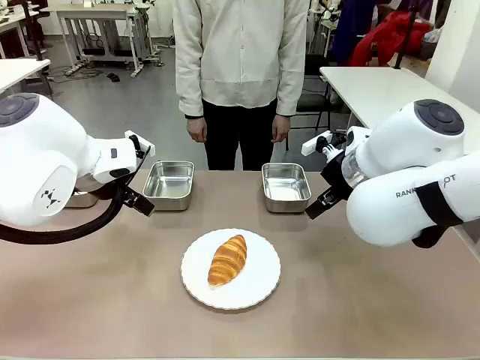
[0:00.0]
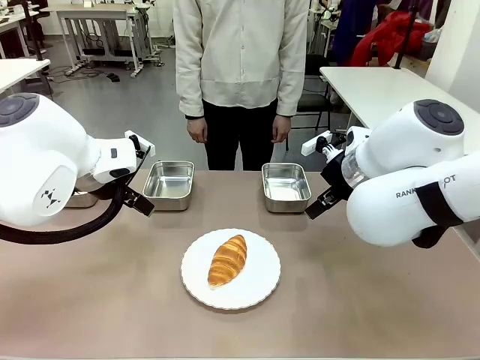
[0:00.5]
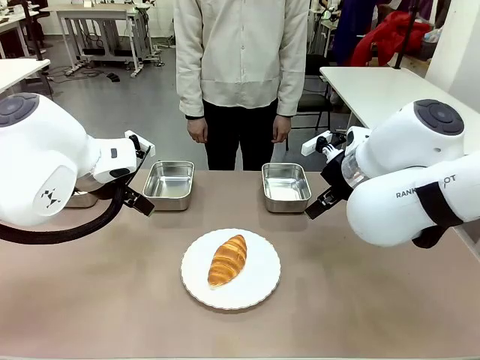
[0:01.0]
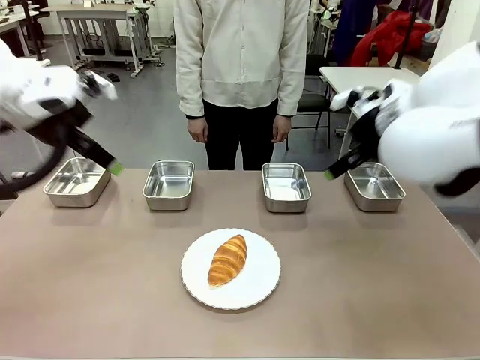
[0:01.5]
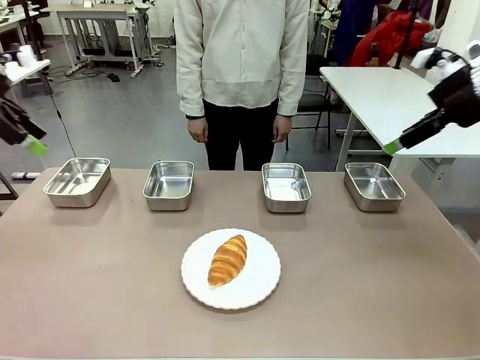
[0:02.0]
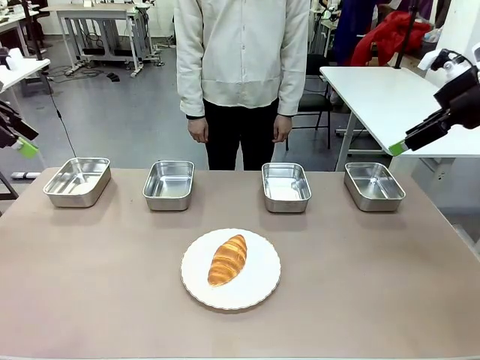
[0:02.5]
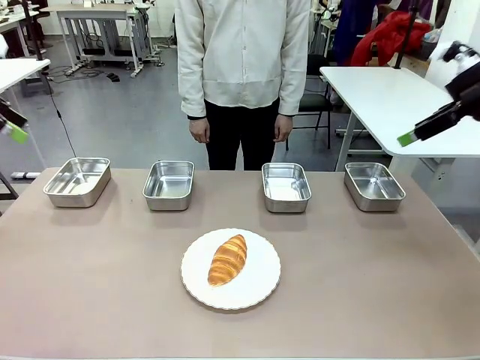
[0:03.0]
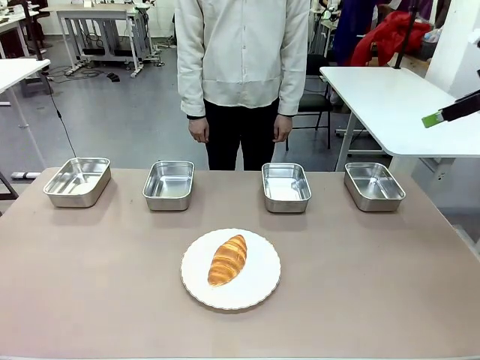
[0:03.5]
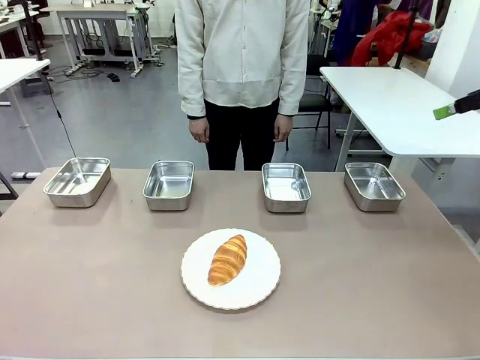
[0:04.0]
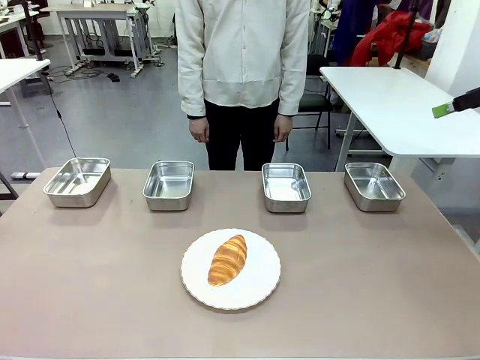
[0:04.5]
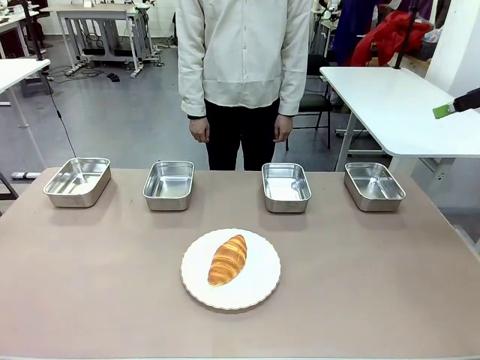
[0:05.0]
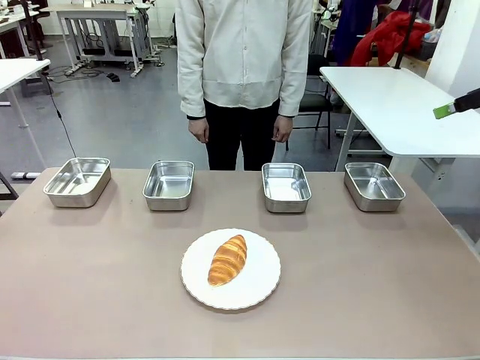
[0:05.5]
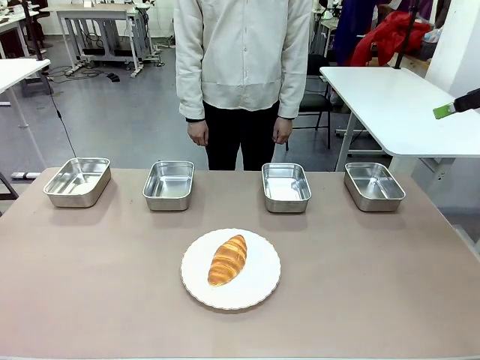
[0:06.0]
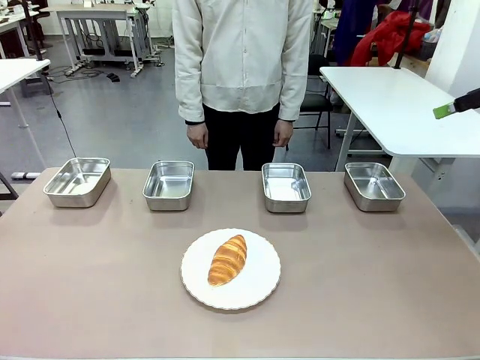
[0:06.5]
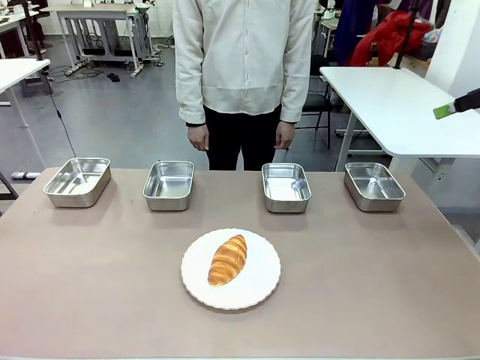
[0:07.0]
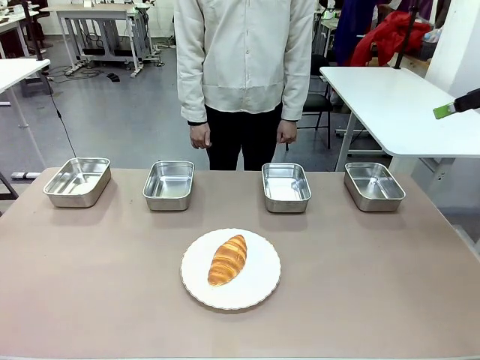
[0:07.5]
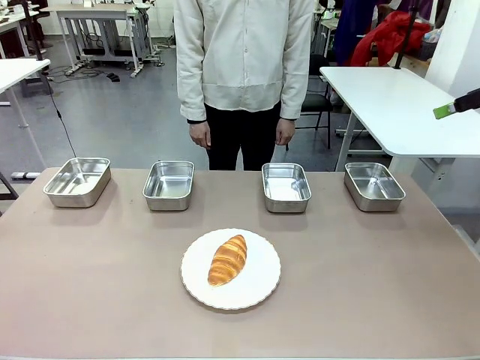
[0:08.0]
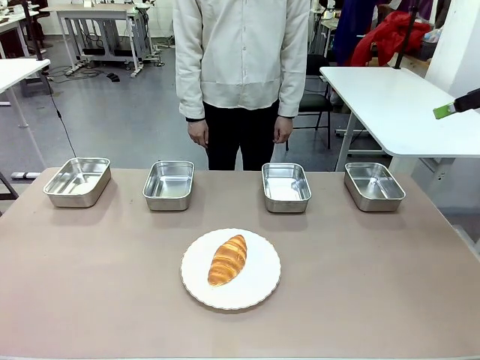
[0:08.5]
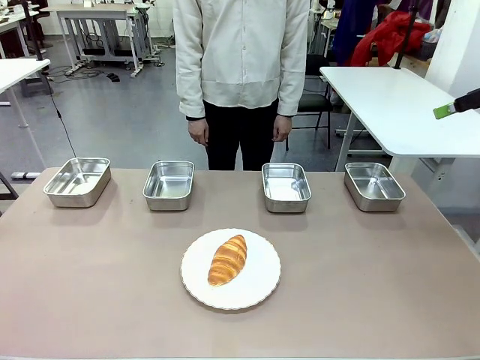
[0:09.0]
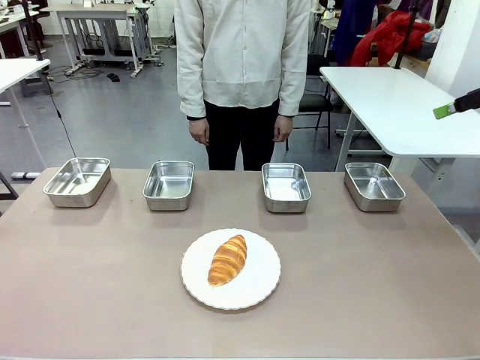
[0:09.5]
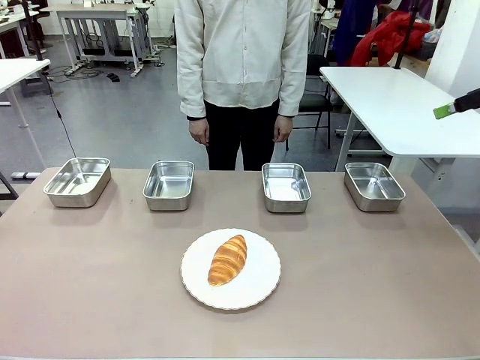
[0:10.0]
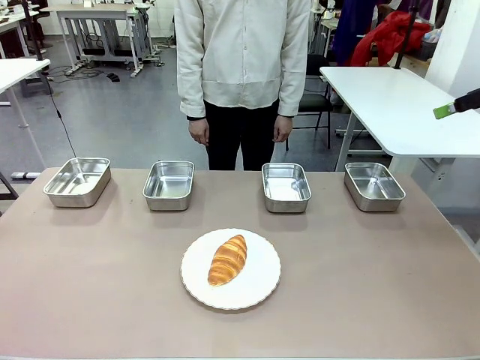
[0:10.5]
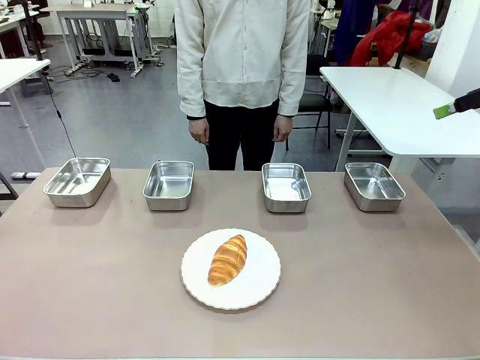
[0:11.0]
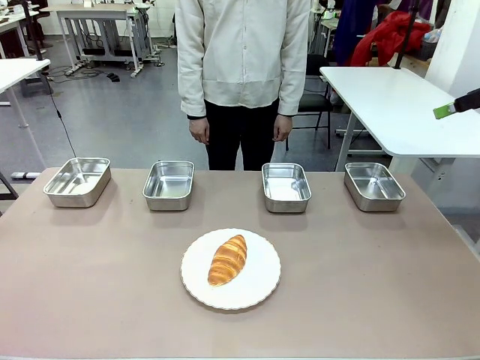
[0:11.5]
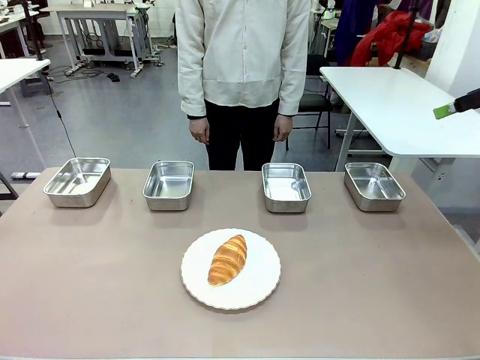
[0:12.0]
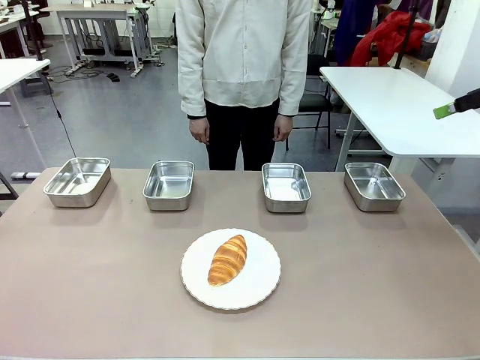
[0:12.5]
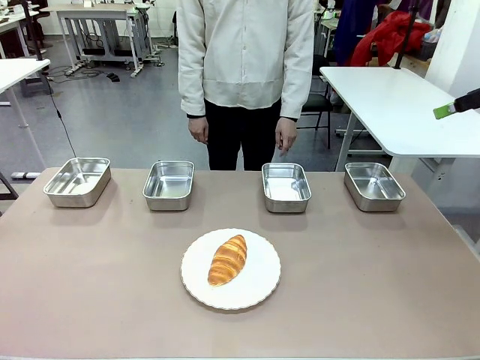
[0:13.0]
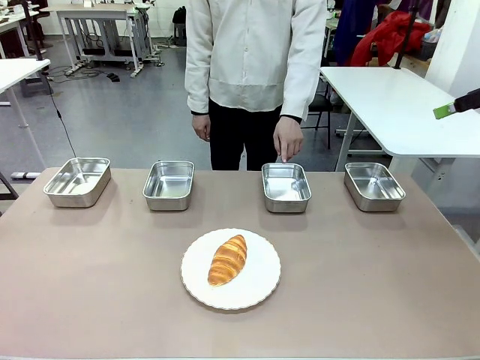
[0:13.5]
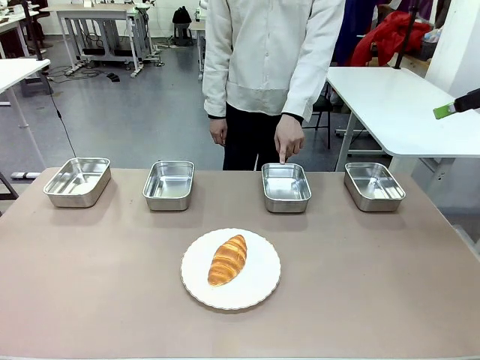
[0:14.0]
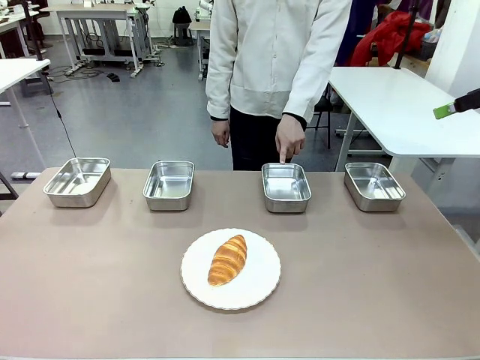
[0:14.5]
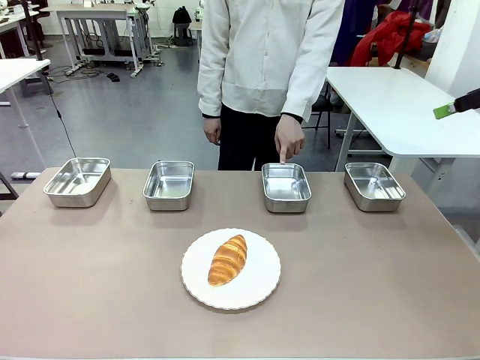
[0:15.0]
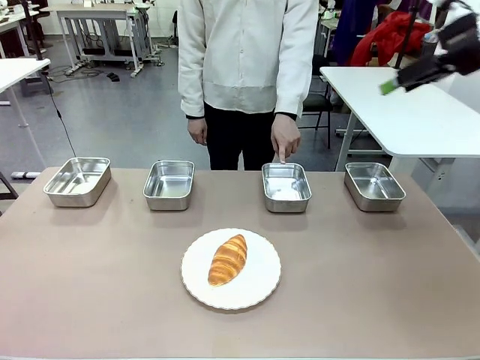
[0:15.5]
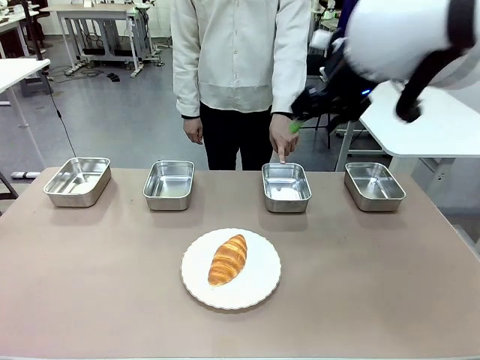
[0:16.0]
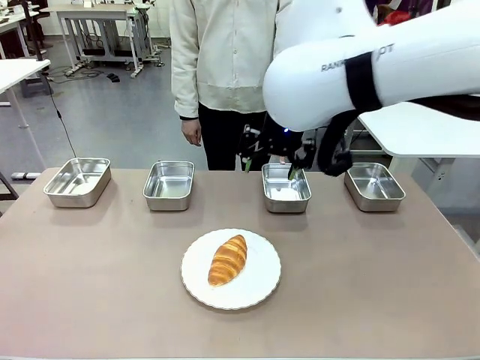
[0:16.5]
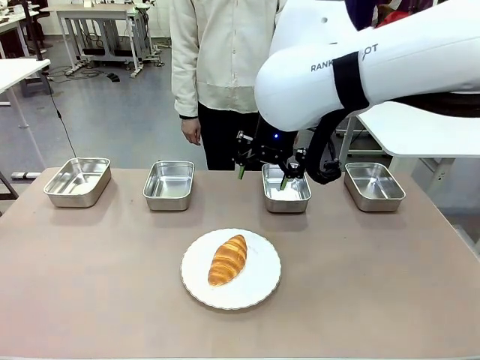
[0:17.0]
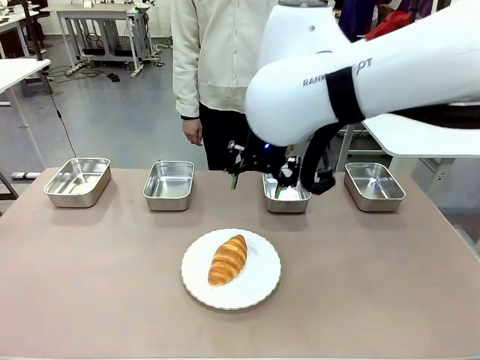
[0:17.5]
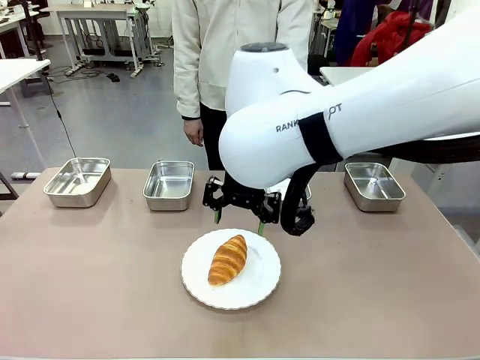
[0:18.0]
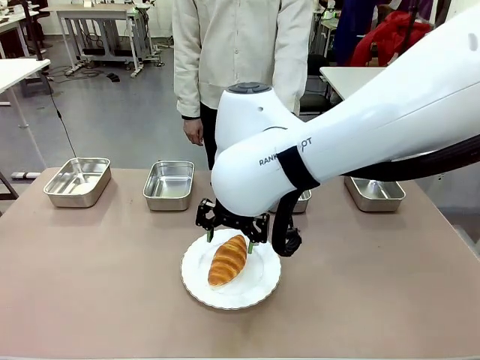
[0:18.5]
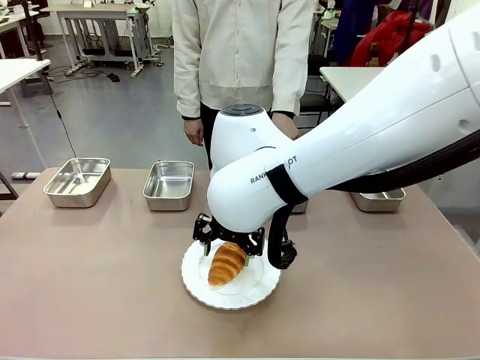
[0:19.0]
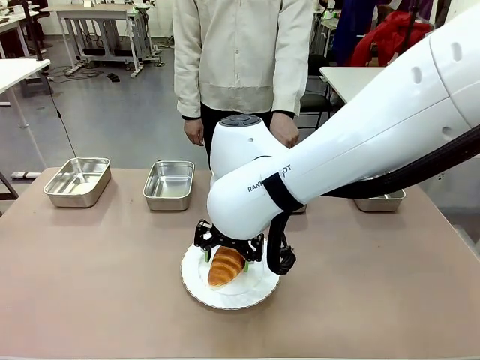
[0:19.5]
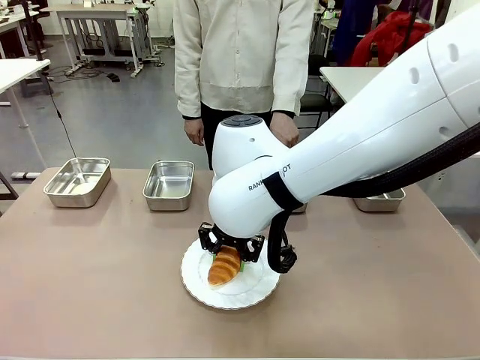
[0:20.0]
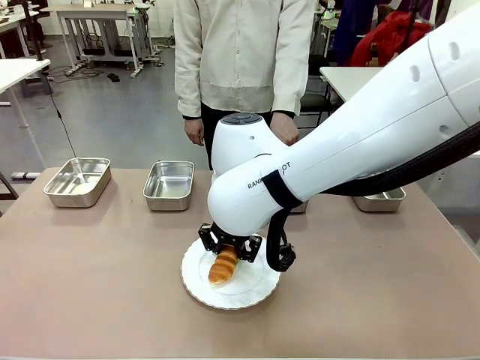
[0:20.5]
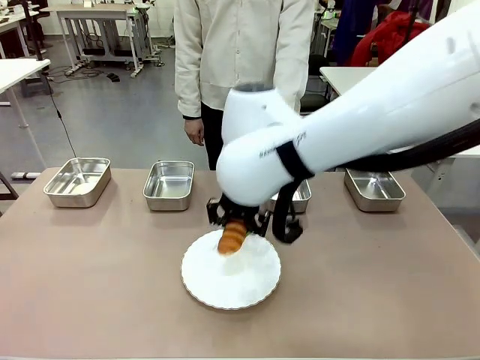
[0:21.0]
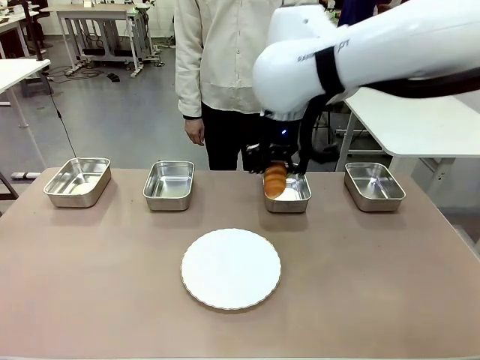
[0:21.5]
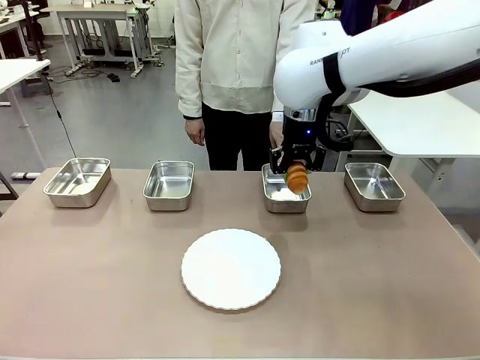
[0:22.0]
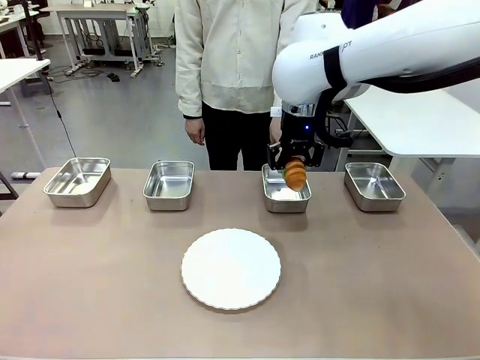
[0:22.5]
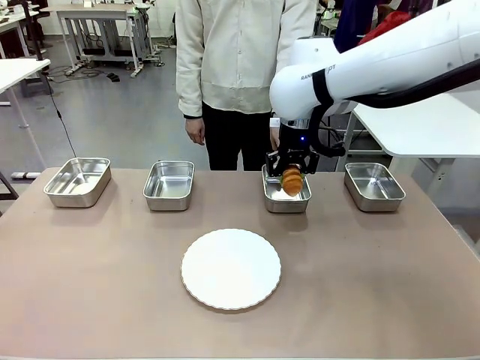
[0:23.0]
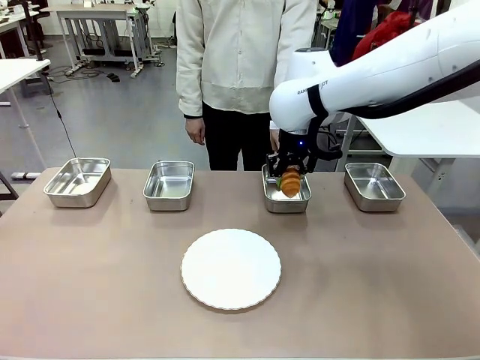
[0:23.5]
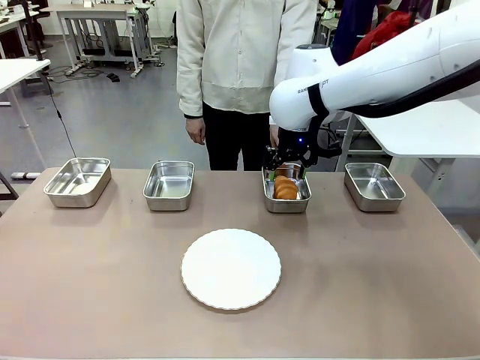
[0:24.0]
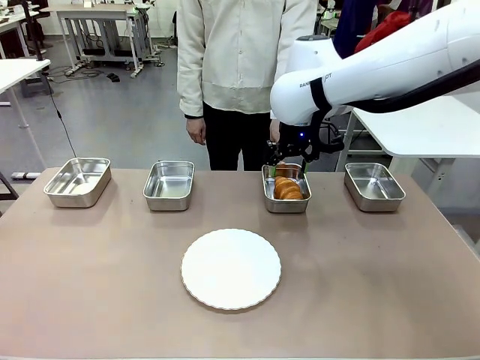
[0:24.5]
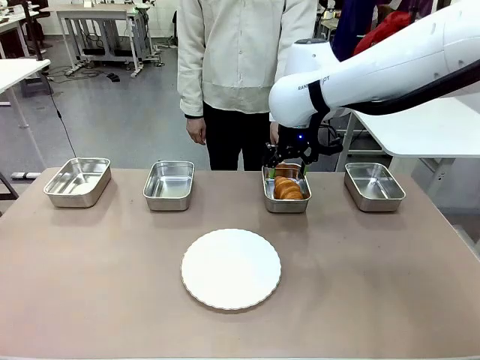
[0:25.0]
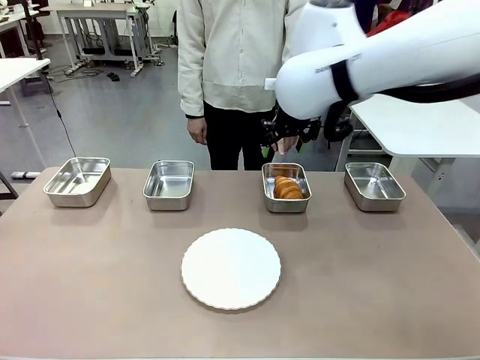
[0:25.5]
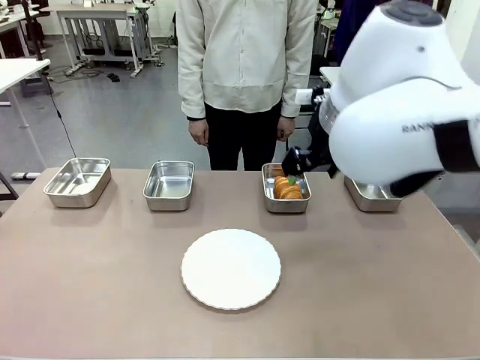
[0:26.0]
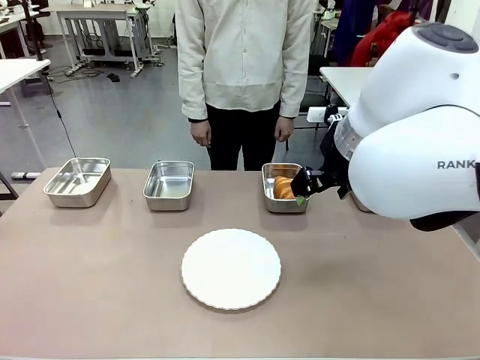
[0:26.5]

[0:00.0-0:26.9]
Task: Place the bread in the container.
Robot: Place the Butter Roll into the Airtight Container indicated by the human.
Person: A person randomly selects and points to an Airtight Container.
